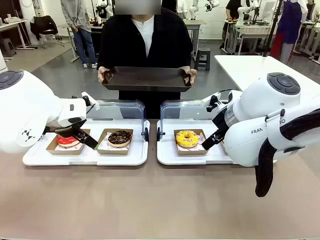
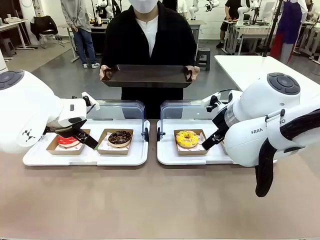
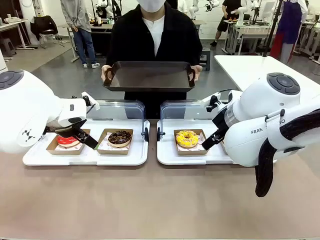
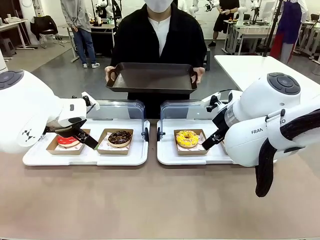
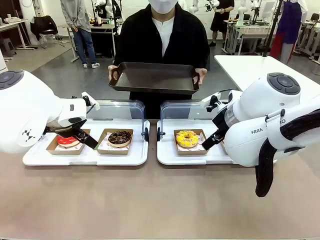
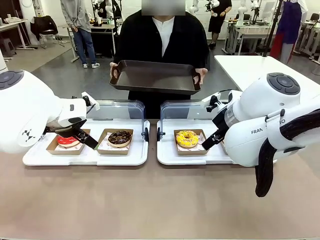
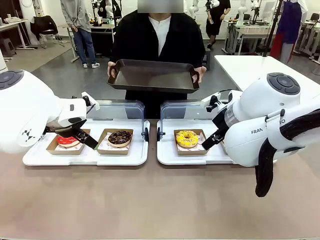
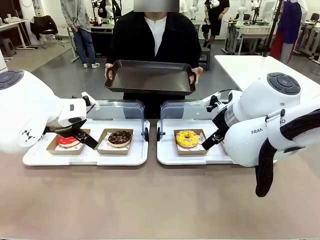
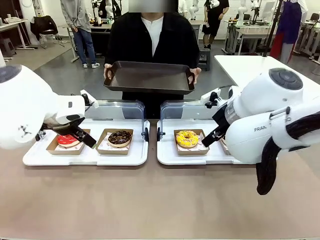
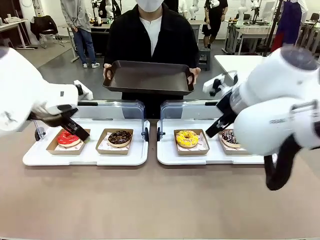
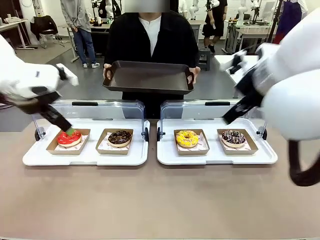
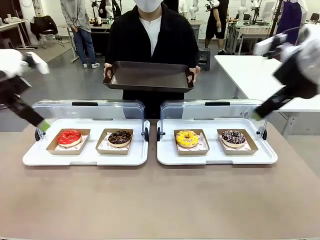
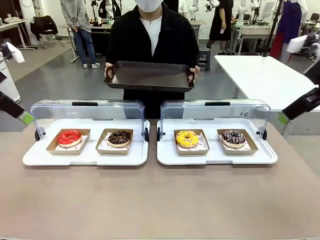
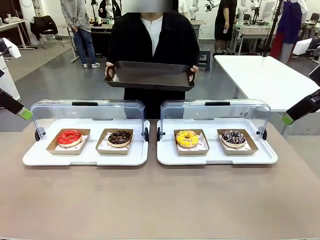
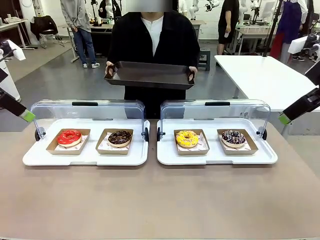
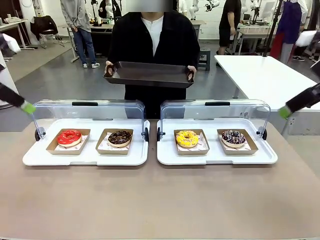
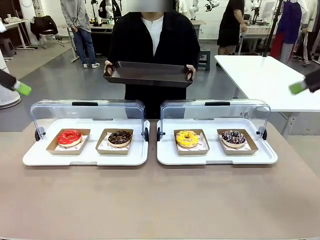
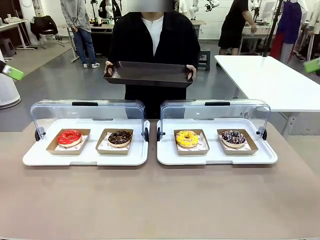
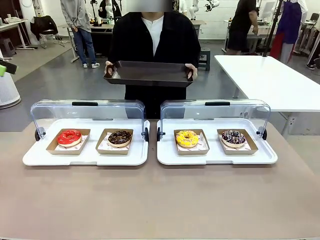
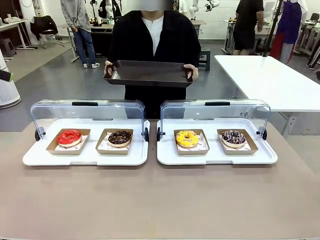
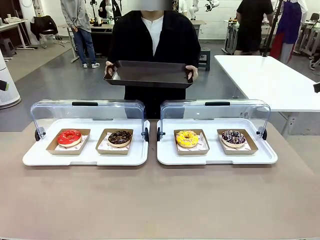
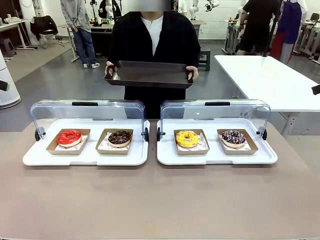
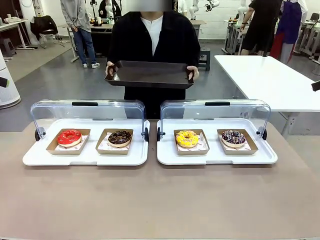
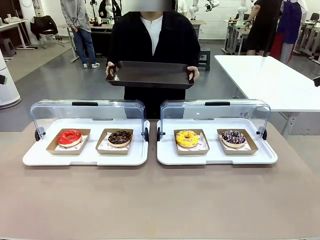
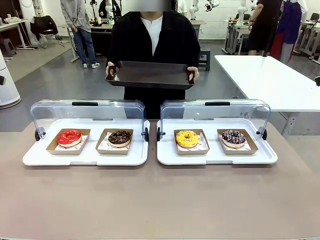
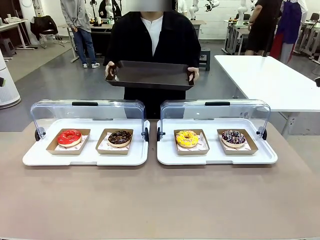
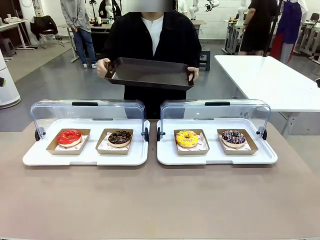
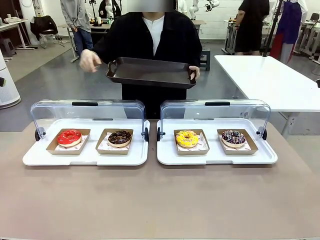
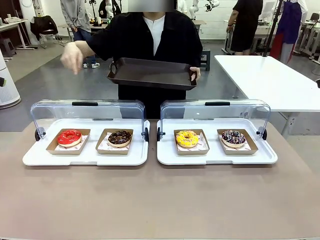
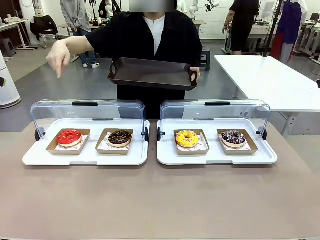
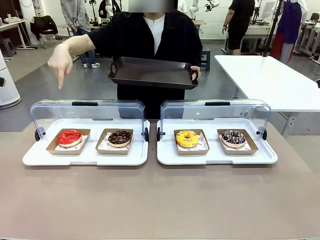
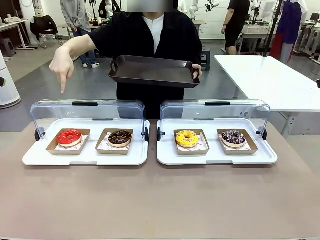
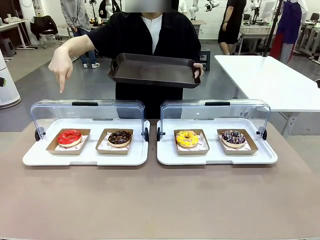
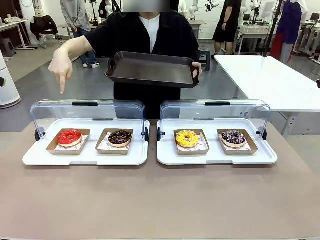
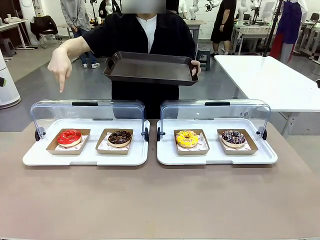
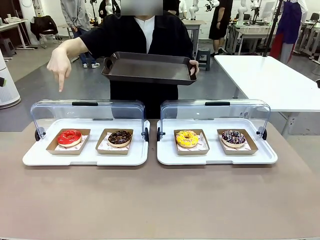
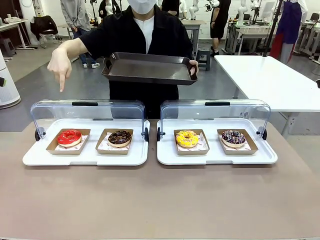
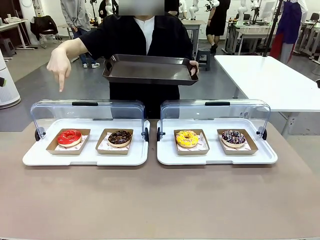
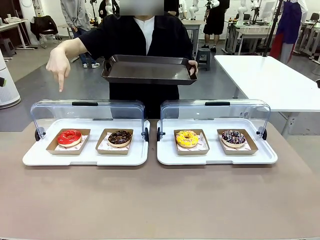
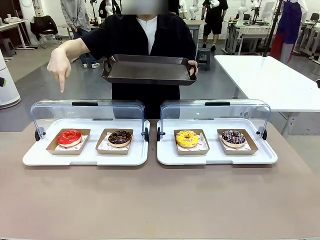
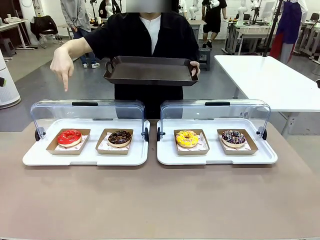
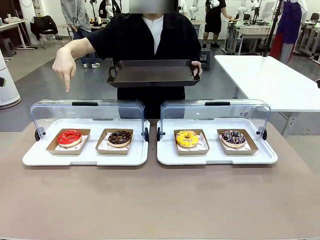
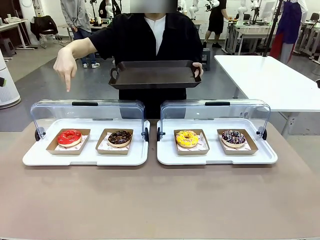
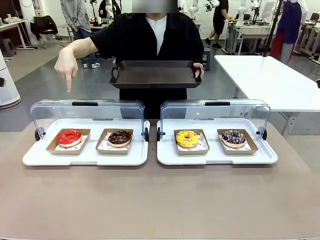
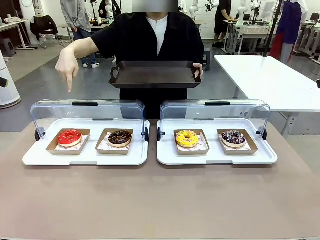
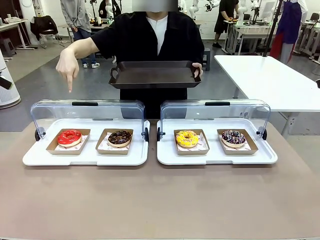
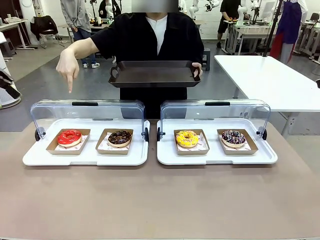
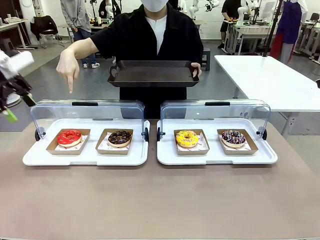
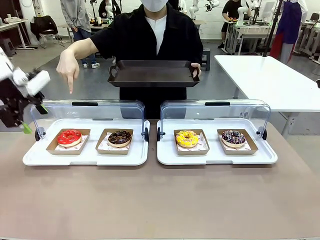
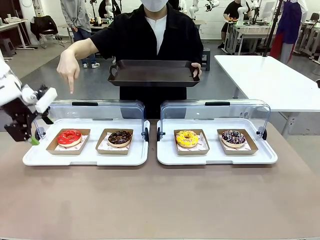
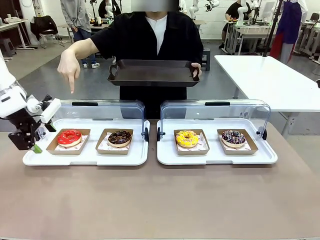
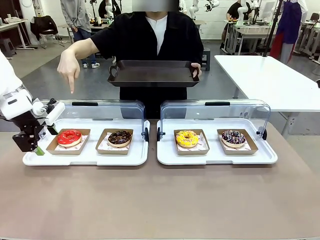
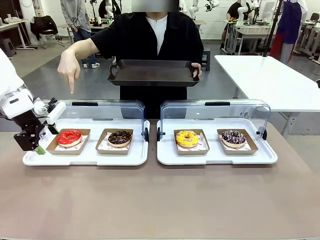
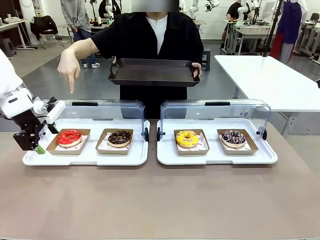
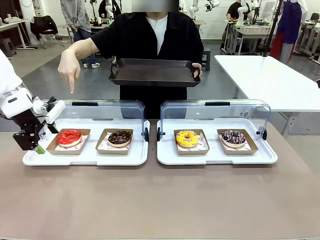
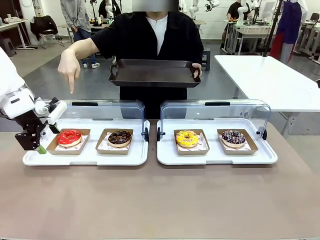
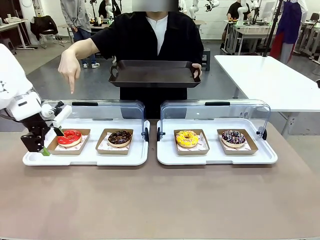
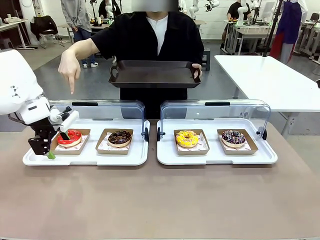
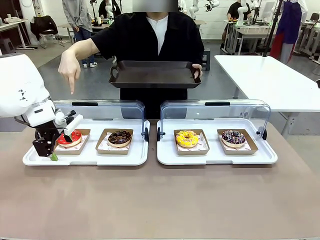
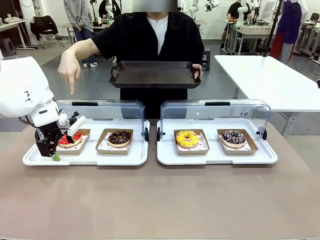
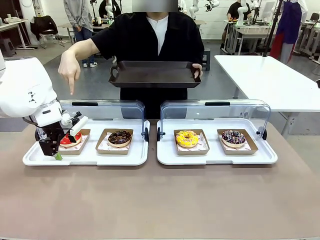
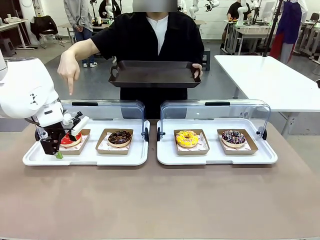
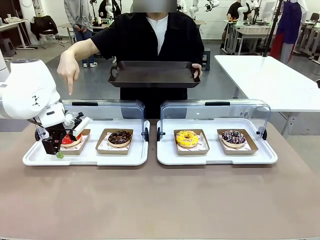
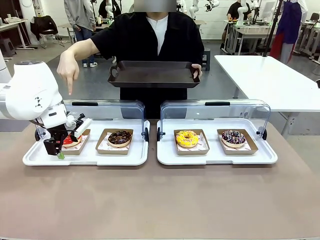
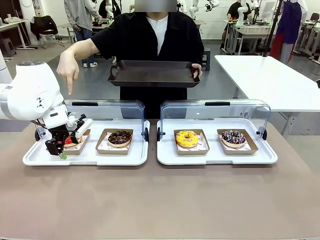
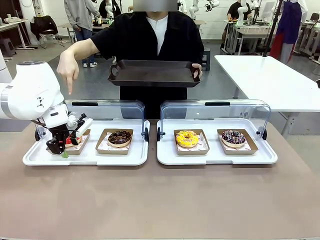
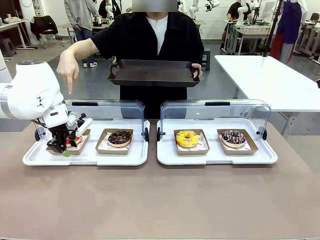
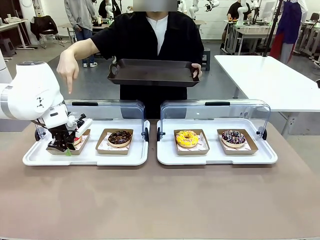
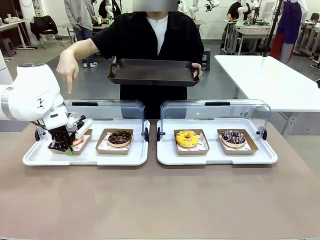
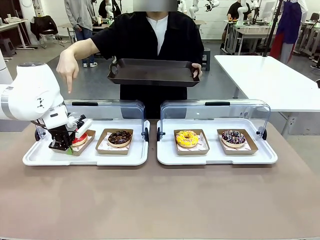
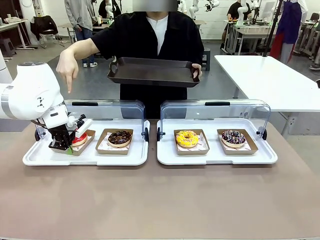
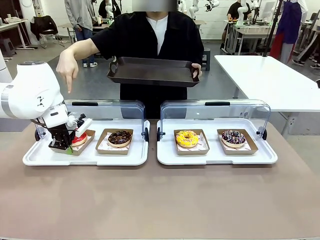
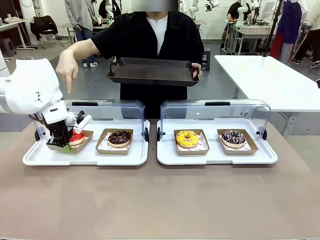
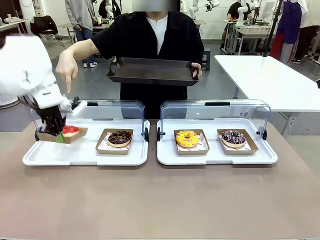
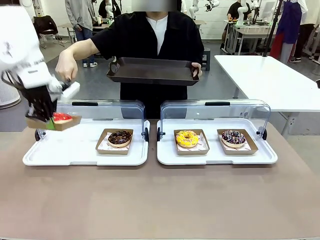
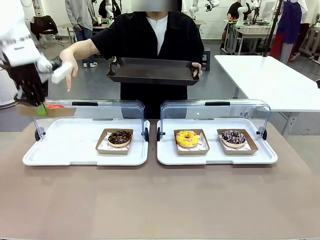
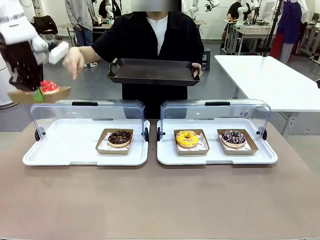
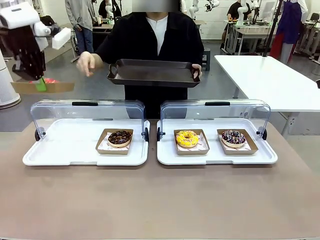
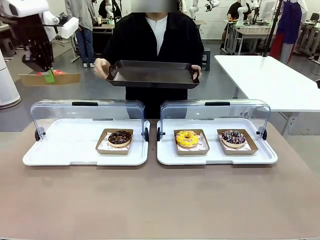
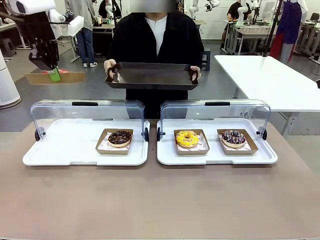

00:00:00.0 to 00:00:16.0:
Task: Provide the desired donut to the person.
Robot: Pick up and lift the Paper togo box containing the Donut pointed at by the person.
Person: Point to one donut. Lift the tray onto the Roll-Top Bakery Case.

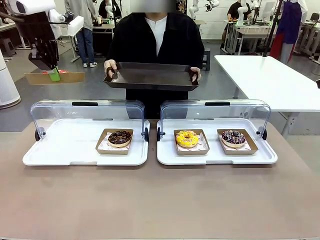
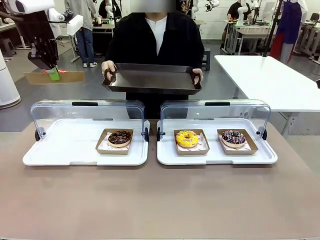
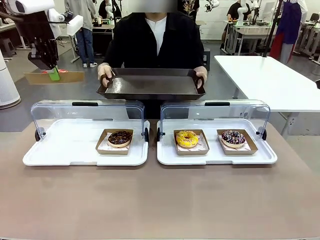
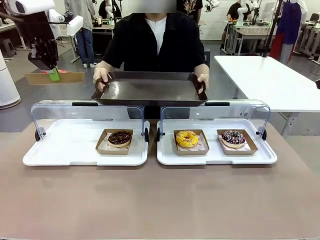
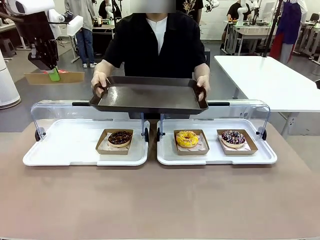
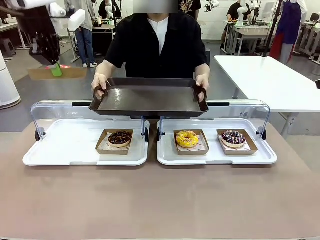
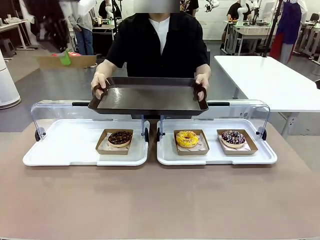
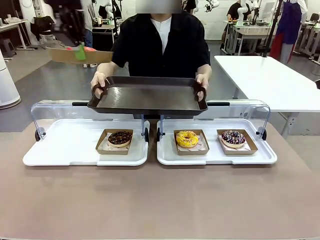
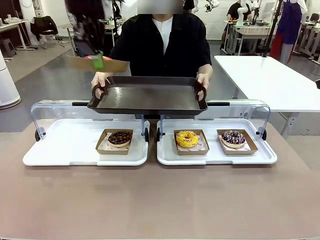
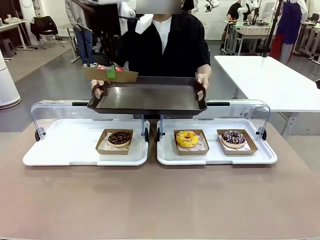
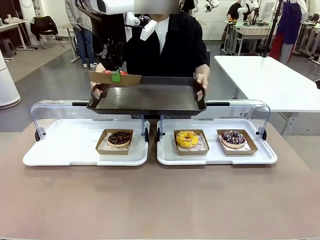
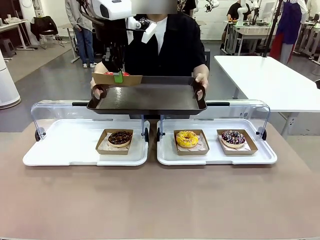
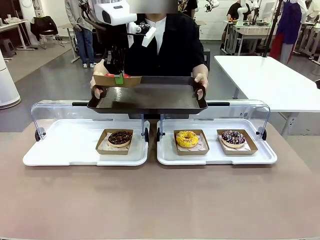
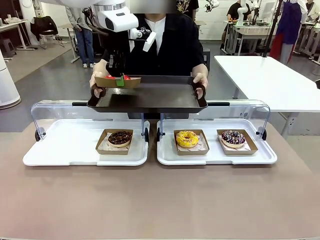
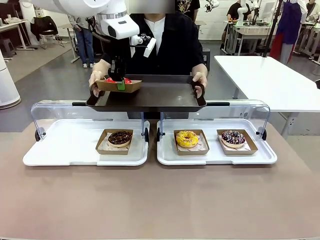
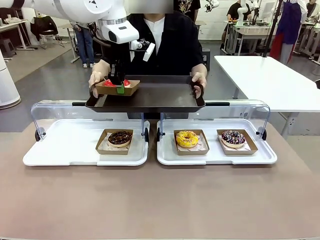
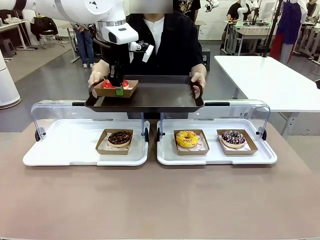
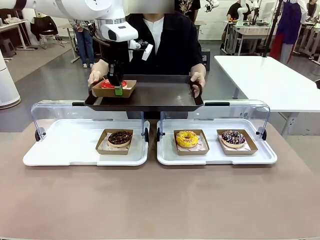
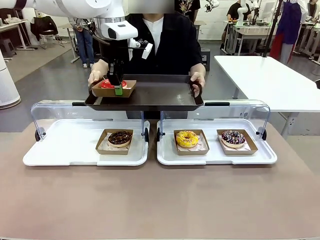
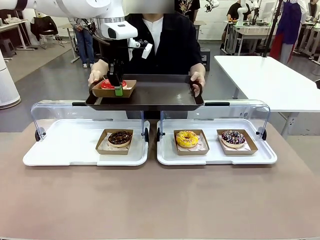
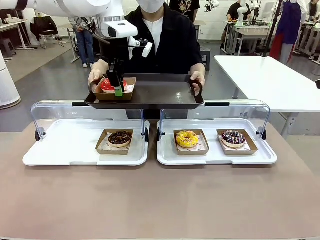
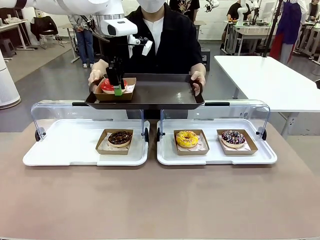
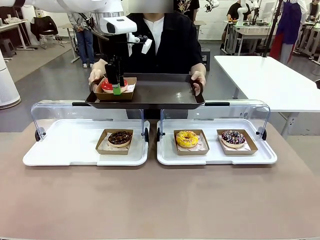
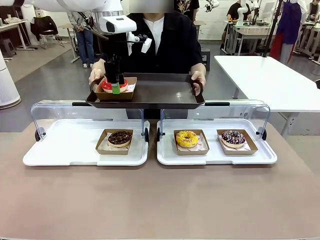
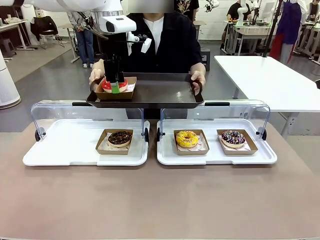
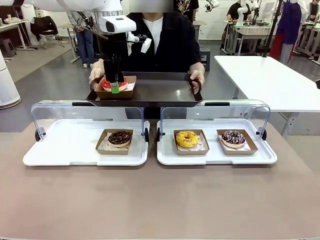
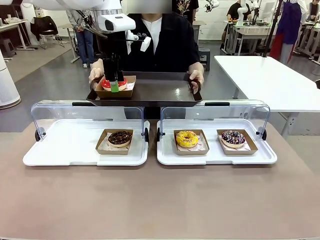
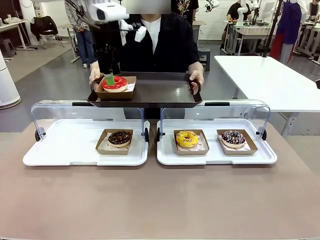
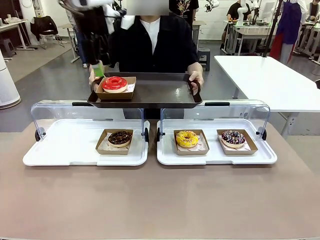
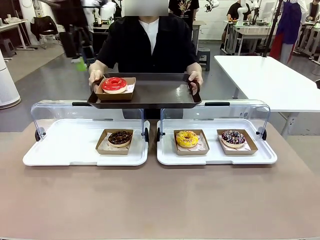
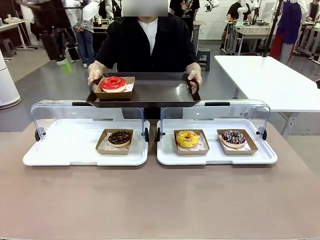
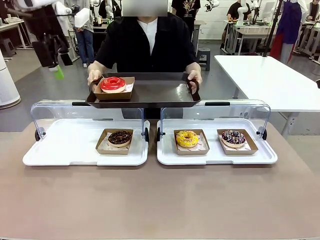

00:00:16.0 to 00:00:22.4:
Robot: Place the picked Paper togo box onto the Handle tray extended by the person.
